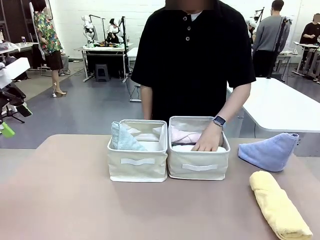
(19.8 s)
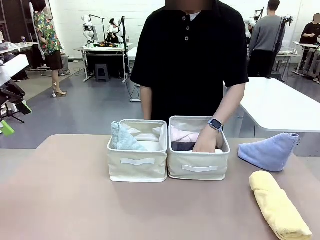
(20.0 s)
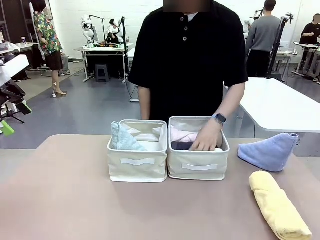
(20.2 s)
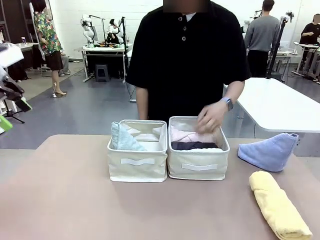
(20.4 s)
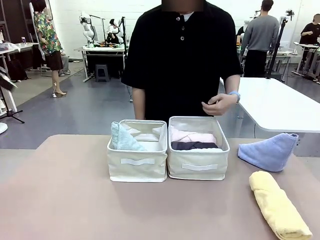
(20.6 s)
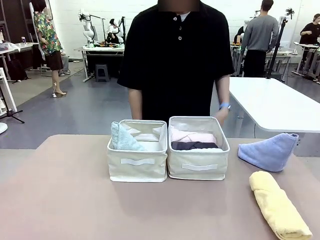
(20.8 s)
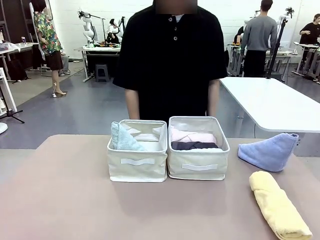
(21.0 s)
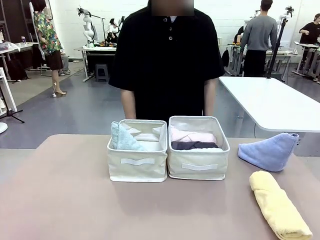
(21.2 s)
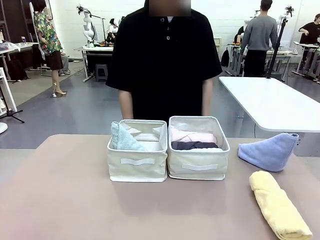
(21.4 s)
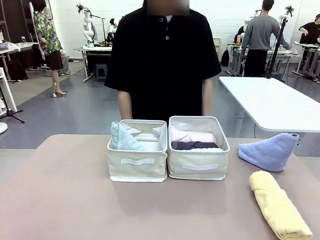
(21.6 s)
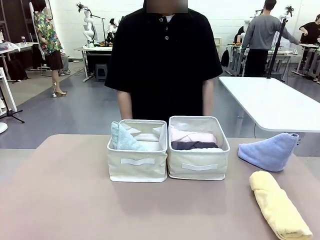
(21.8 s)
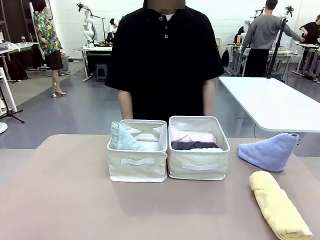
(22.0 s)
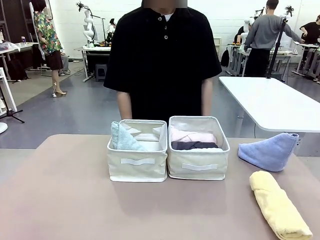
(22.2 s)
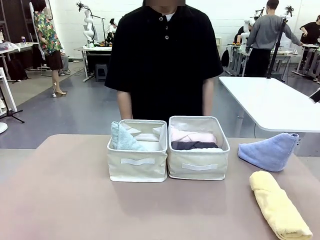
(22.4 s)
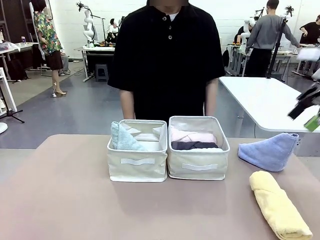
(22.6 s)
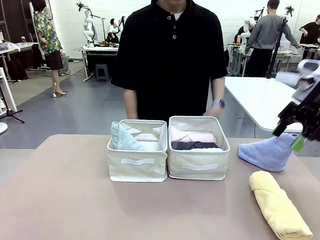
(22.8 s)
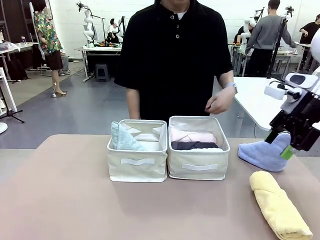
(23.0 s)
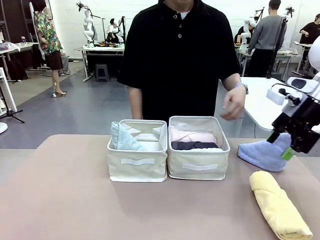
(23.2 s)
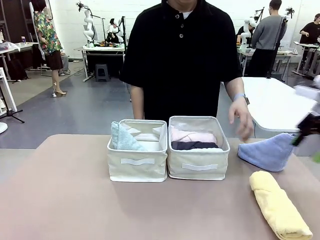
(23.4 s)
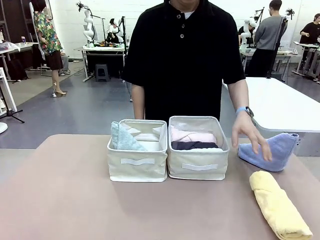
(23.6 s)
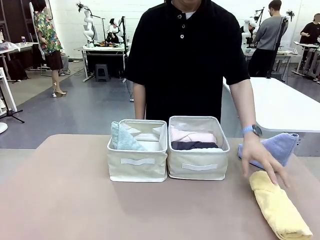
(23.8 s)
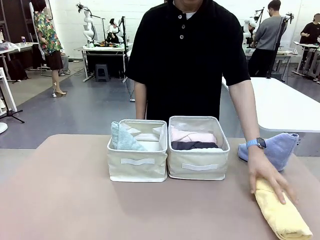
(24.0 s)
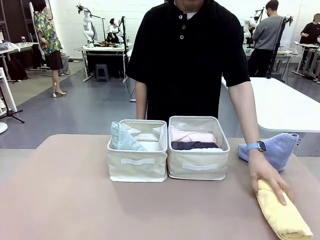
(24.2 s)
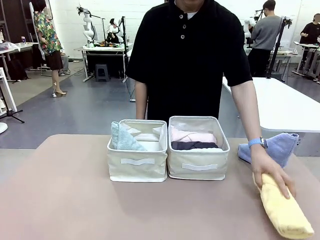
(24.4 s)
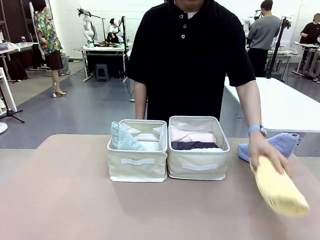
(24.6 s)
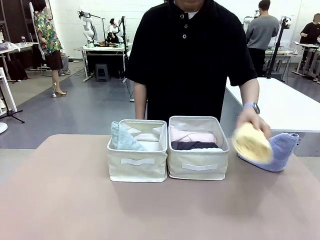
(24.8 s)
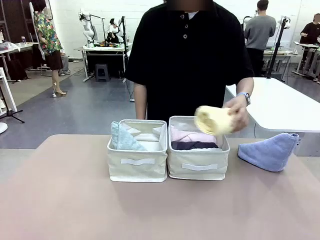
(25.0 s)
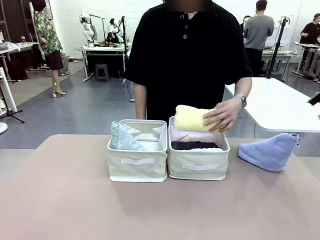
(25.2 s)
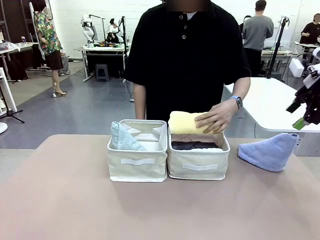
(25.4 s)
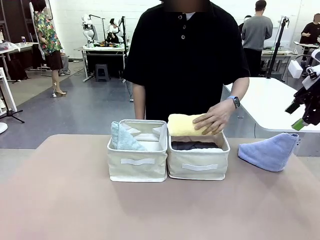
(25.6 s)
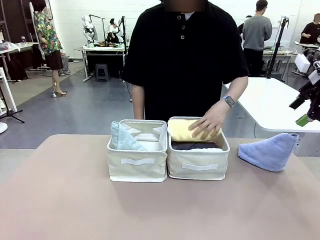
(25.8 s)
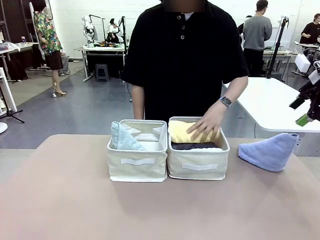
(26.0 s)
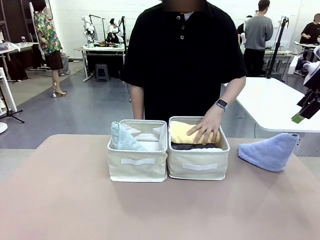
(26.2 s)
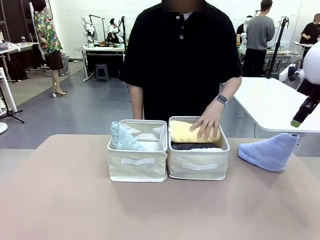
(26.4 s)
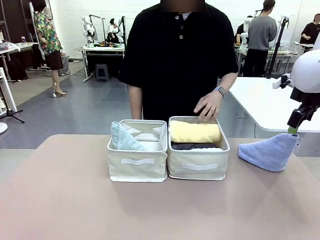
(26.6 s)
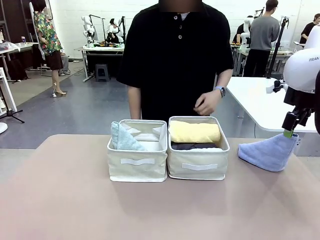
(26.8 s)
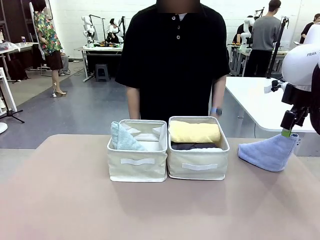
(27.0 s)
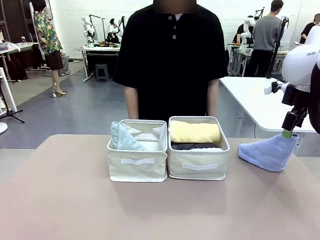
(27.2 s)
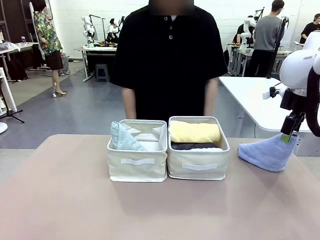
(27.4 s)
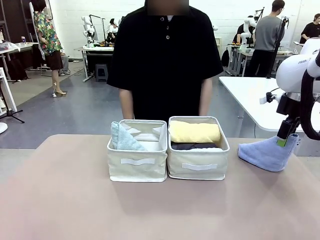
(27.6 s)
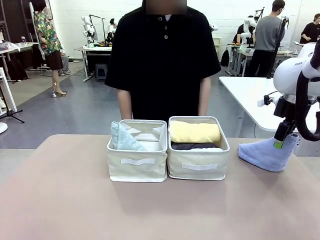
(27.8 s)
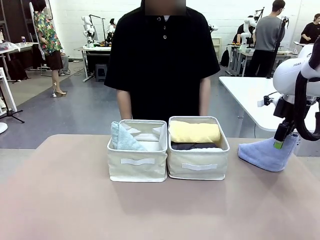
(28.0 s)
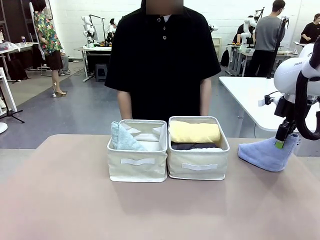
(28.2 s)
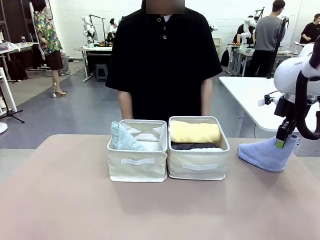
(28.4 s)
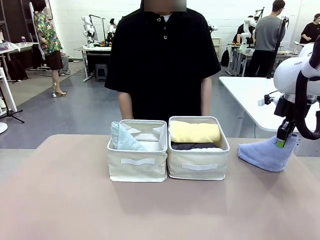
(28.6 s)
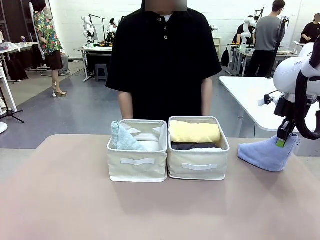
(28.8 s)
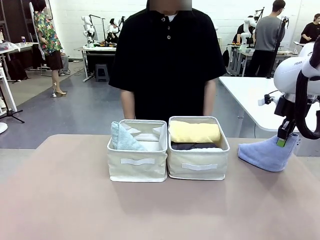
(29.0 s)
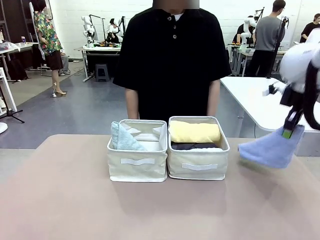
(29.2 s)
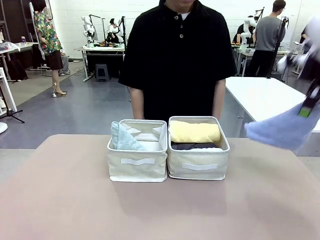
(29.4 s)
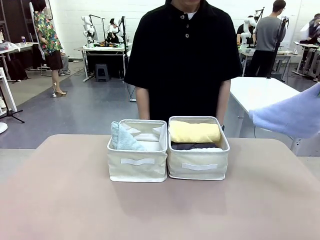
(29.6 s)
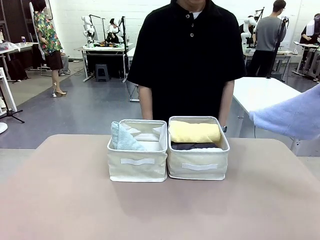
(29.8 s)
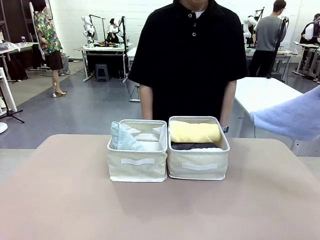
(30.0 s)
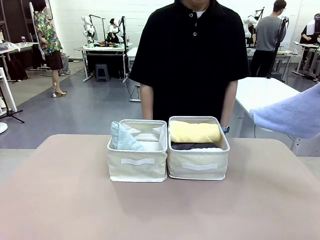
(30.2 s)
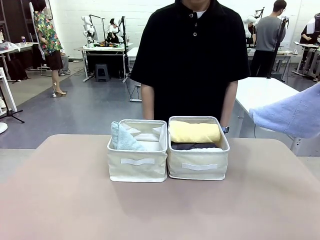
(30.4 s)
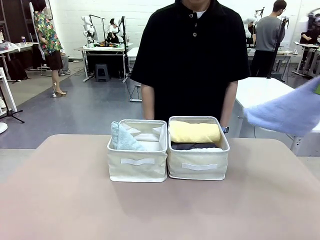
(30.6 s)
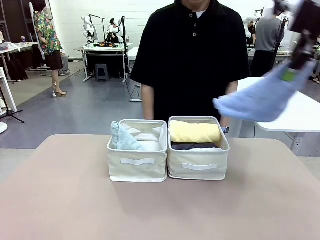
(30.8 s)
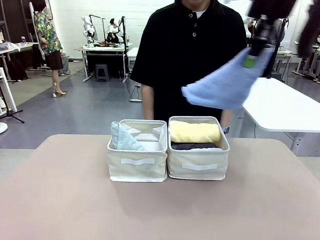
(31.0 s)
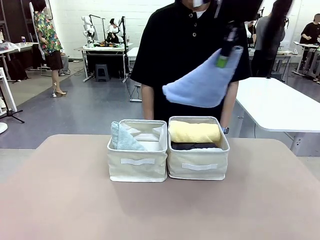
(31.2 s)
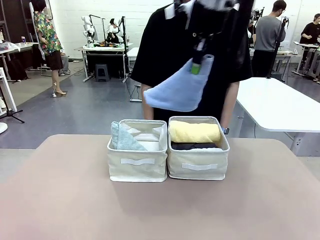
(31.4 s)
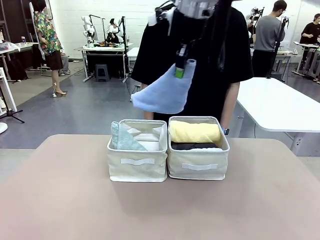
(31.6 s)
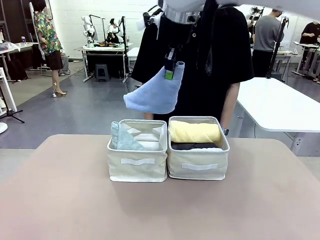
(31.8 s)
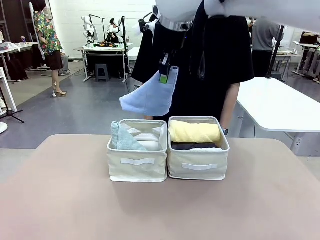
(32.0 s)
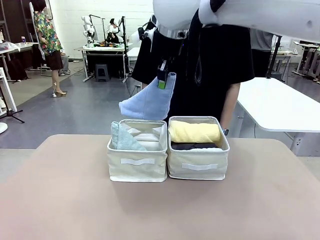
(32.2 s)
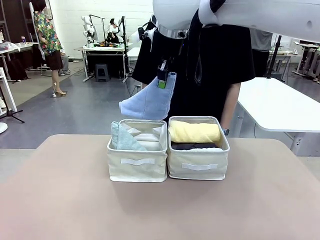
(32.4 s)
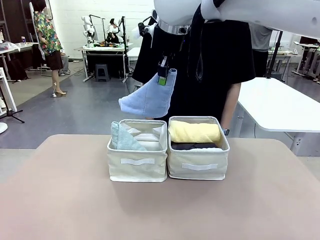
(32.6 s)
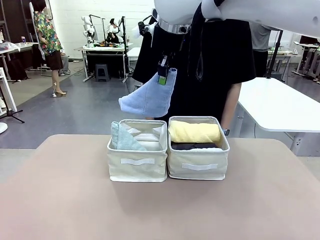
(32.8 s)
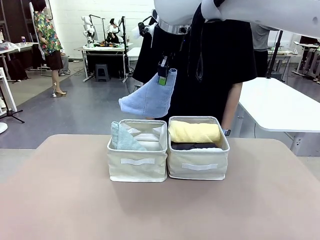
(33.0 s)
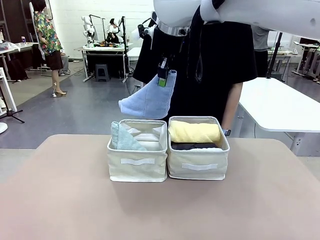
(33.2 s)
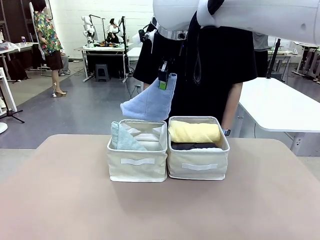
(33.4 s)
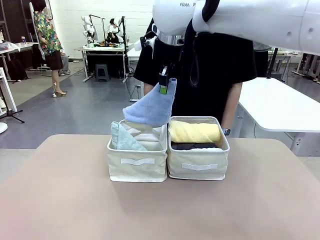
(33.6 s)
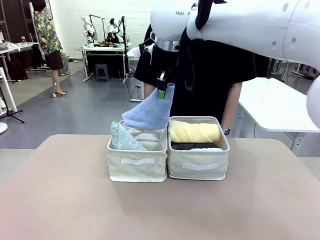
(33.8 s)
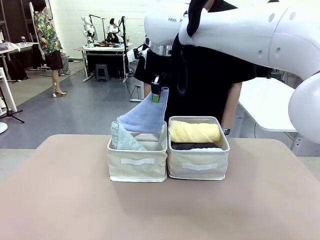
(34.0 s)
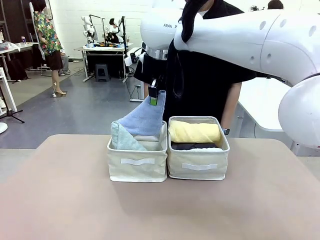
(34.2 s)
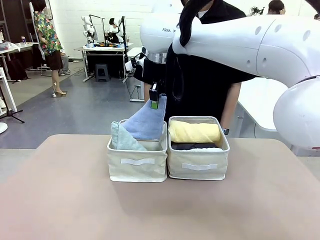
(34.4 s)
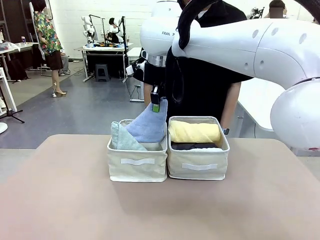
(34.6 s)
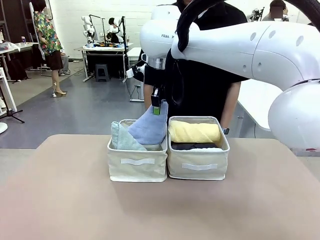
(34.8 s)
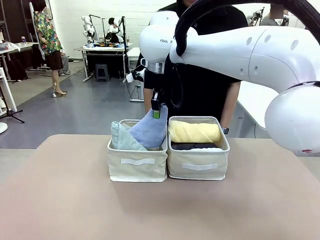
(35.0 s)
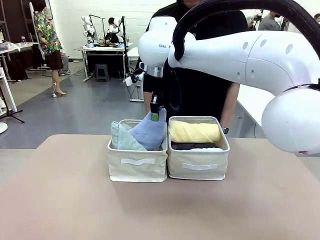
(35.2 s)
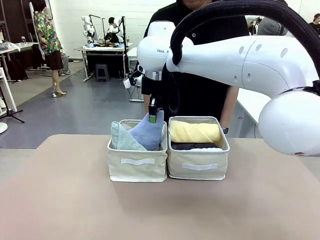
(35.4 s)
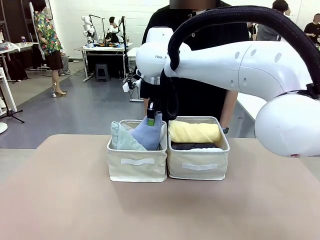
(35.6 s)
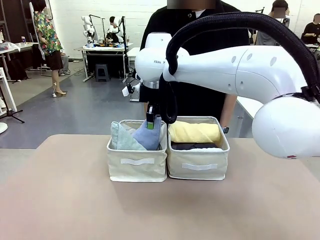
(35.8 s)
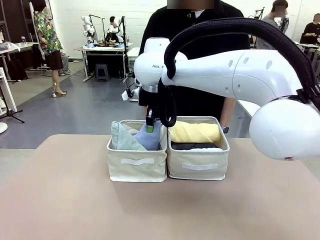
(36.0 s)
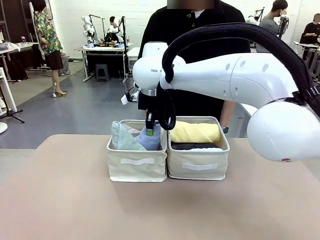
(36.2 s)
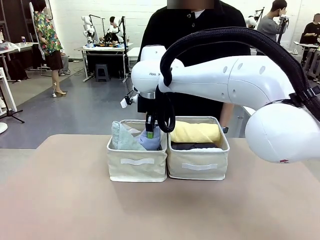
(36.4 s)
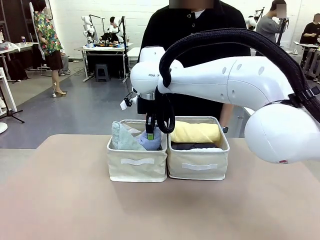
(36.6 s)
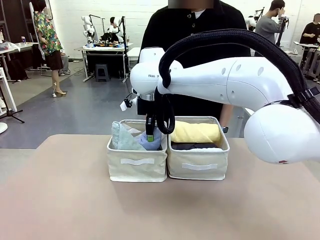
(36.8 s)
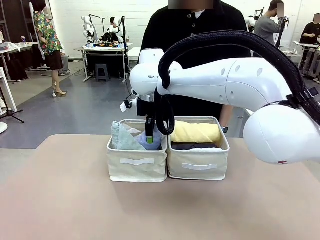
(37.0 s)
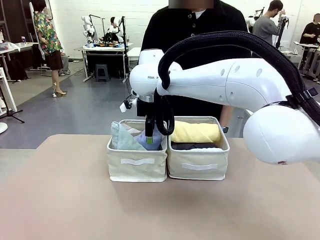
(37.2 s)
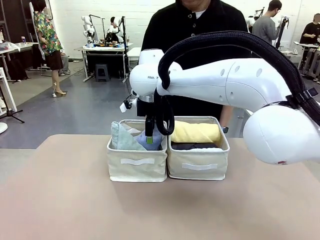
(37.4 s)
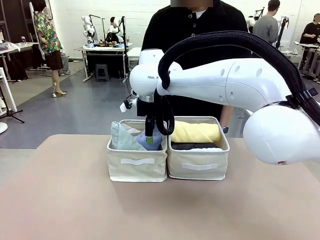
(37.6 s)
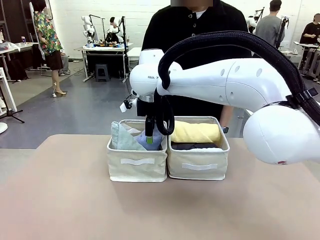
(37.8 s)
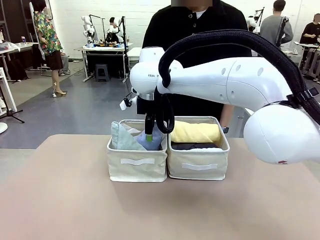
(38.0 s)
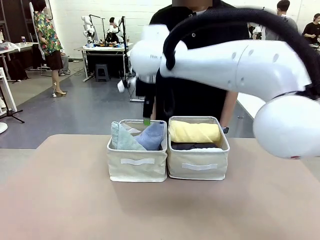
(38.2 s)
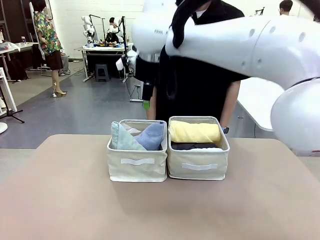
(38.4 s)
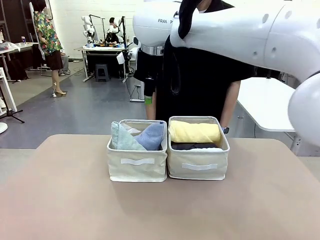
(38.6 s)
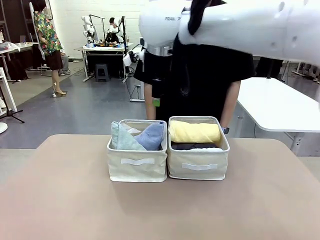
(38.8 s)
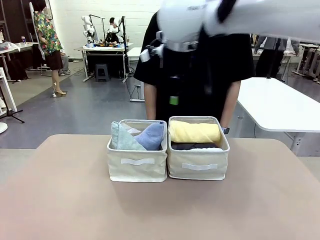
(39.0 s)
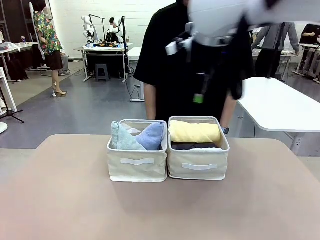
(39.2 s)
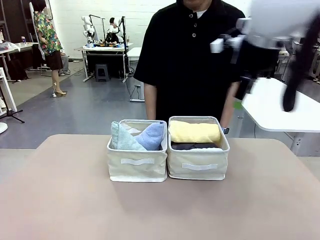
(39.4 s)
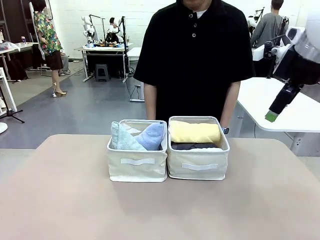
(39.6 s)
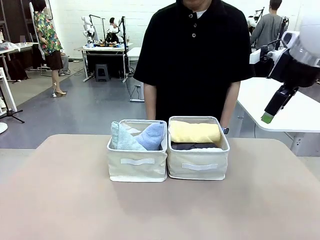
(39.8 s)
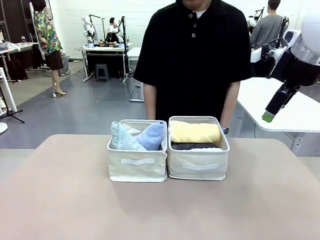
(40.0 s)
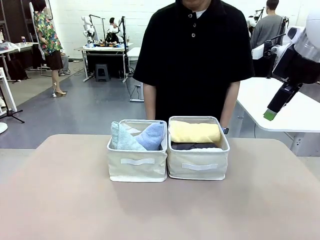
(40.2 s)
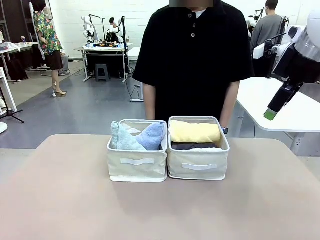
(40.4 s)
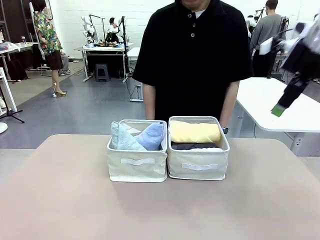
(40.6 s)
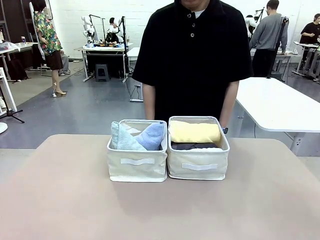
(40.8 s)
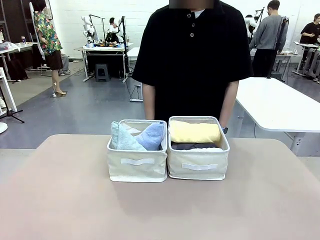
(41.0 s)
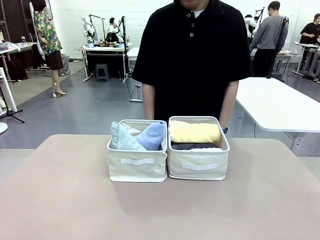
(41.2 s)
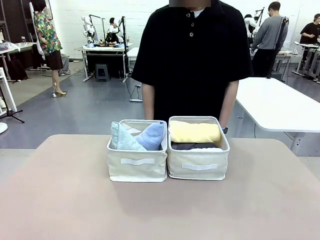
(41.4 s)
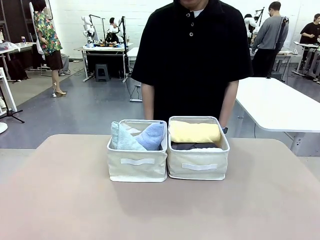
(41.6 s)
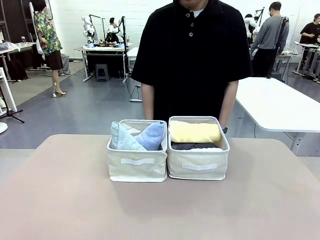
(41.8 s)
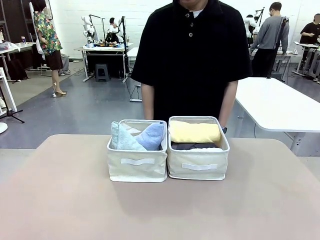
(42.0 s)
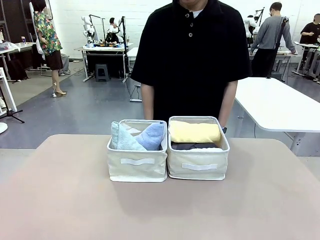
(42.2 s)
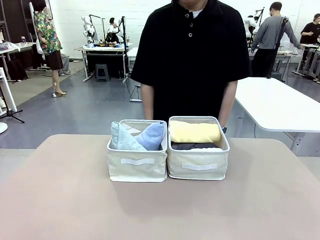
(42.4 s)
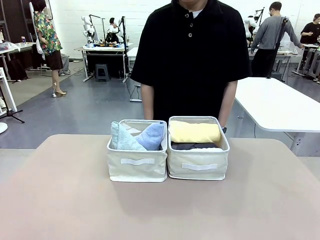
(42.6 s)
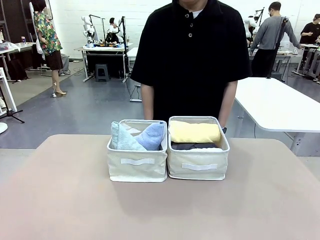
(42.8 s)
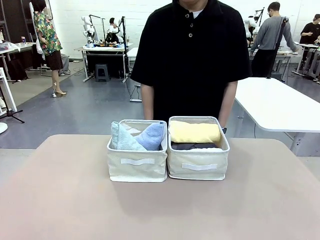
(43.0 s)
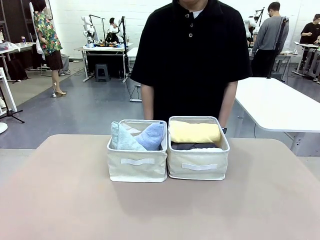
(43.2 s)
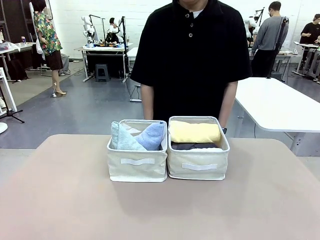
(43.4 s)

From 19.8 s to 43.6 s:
Task: Sort the towels based on their folding style.
Robot: Pick up another triangle-folded towel from the table and place it in the left Fabric basket.
Person: Pick up one hotel-style rolled towel from the table and place it in the left fabric basket.
